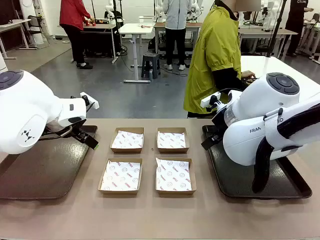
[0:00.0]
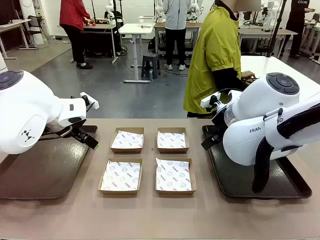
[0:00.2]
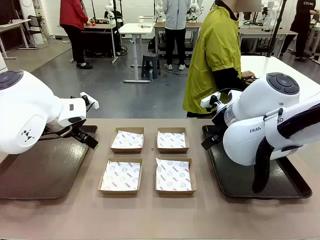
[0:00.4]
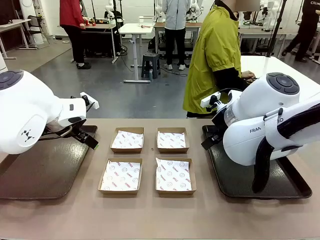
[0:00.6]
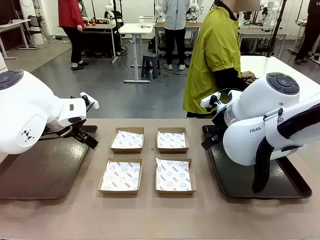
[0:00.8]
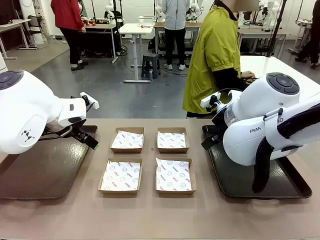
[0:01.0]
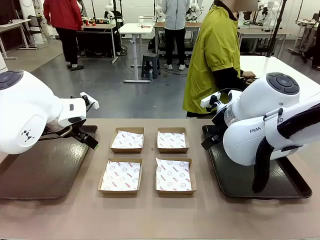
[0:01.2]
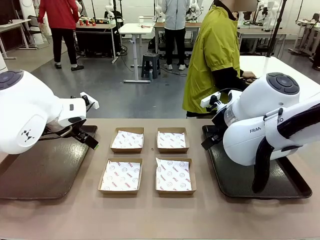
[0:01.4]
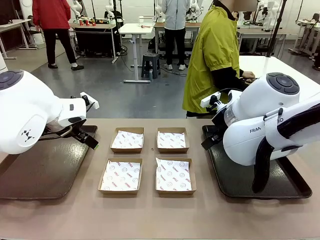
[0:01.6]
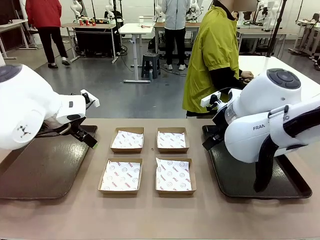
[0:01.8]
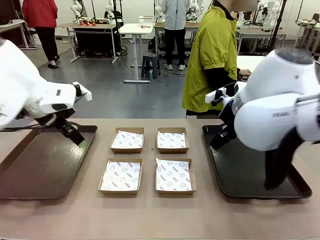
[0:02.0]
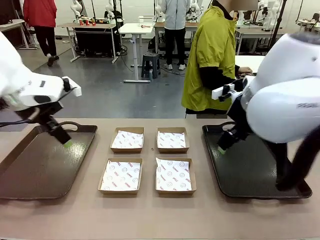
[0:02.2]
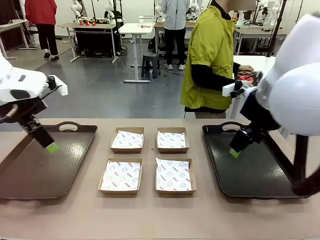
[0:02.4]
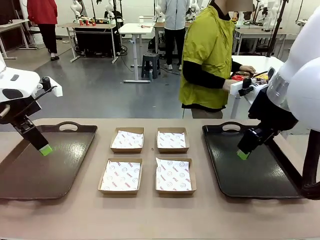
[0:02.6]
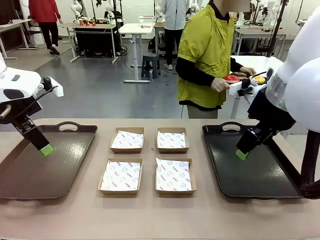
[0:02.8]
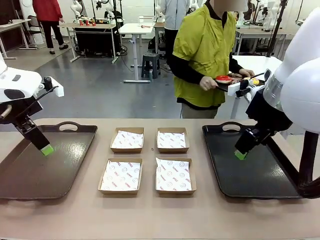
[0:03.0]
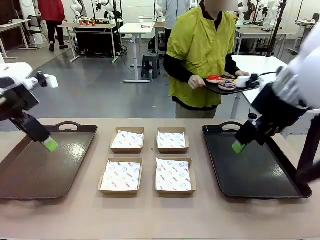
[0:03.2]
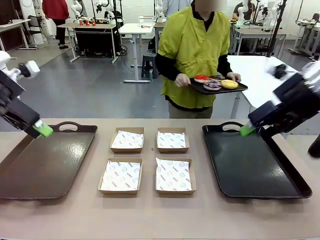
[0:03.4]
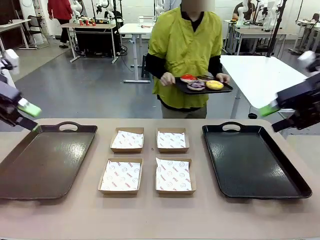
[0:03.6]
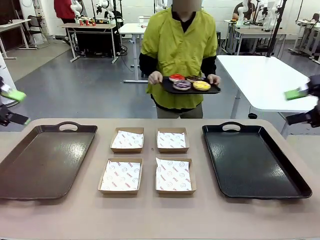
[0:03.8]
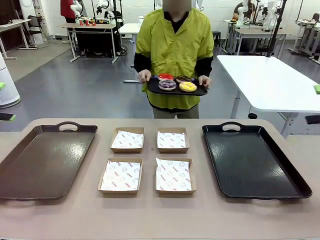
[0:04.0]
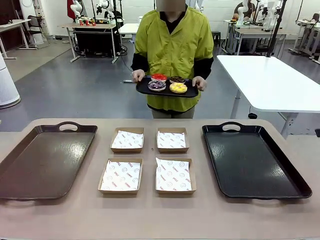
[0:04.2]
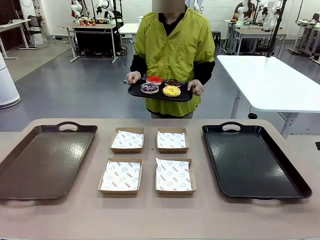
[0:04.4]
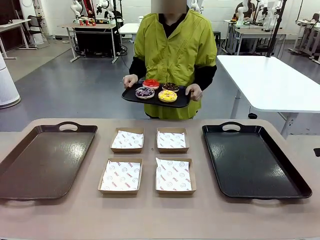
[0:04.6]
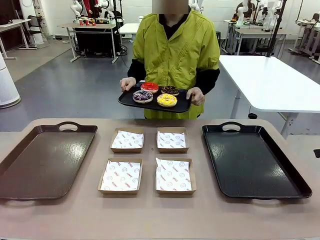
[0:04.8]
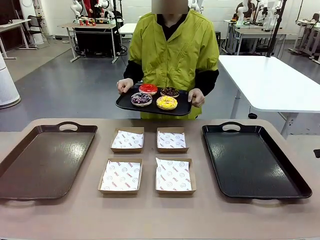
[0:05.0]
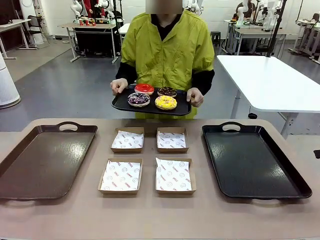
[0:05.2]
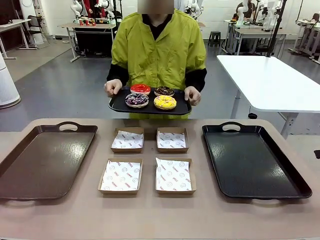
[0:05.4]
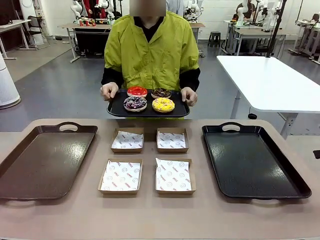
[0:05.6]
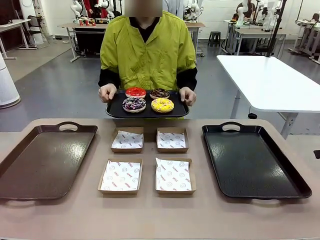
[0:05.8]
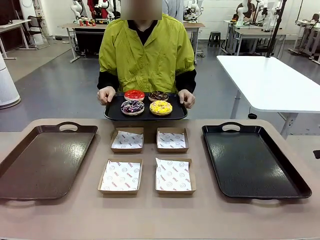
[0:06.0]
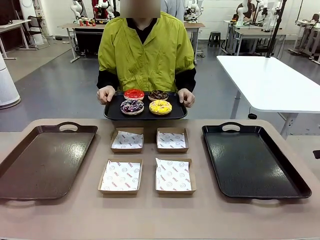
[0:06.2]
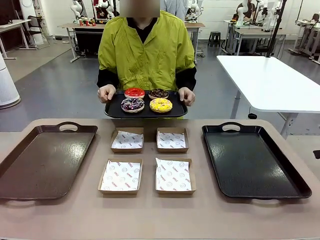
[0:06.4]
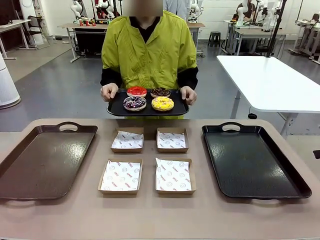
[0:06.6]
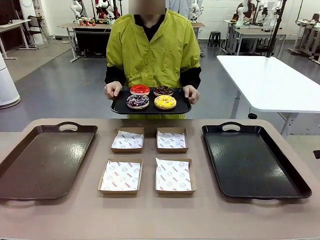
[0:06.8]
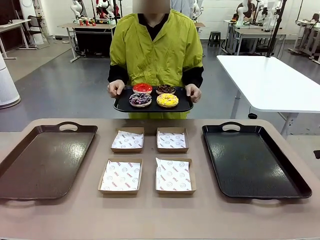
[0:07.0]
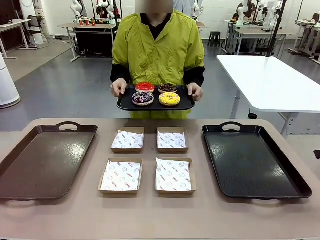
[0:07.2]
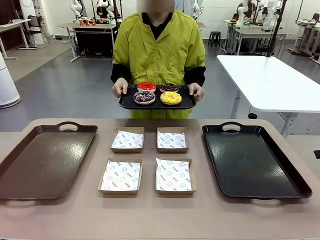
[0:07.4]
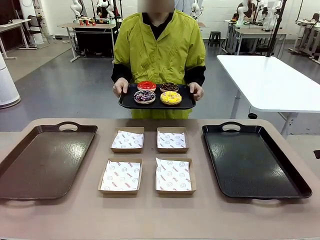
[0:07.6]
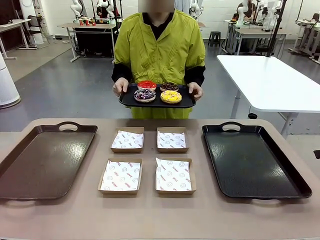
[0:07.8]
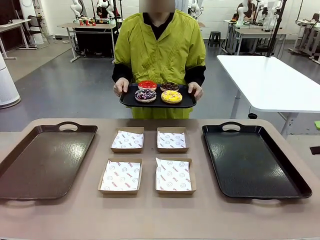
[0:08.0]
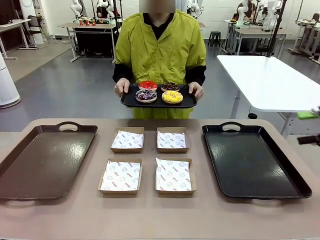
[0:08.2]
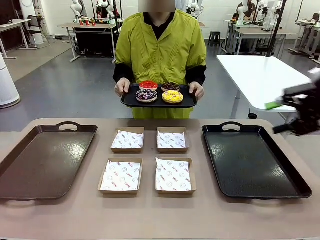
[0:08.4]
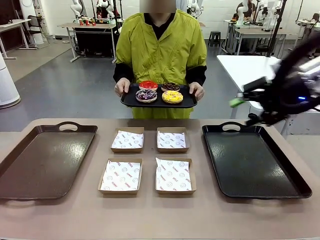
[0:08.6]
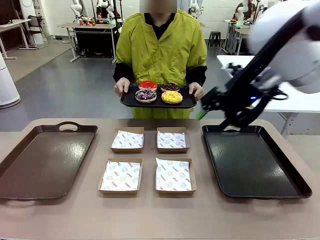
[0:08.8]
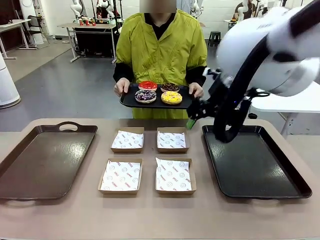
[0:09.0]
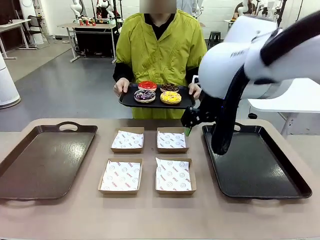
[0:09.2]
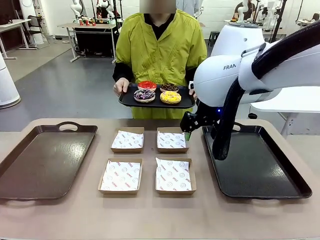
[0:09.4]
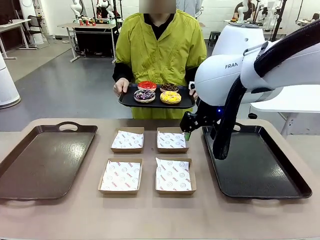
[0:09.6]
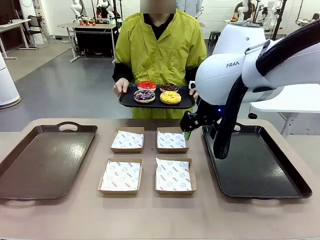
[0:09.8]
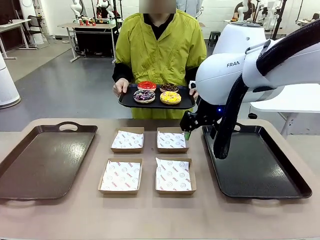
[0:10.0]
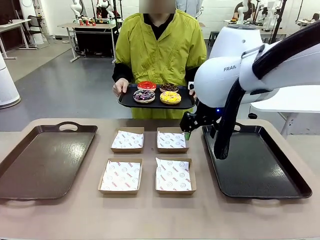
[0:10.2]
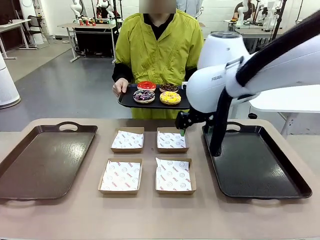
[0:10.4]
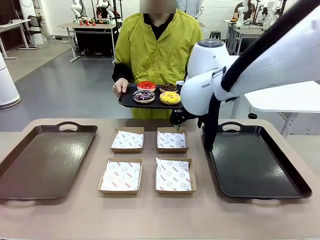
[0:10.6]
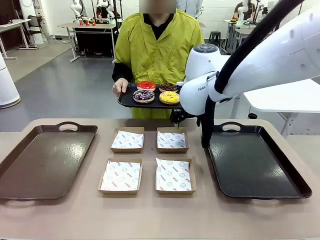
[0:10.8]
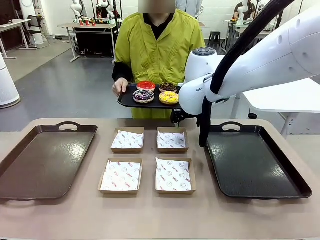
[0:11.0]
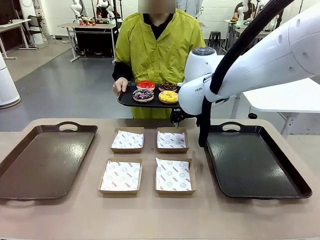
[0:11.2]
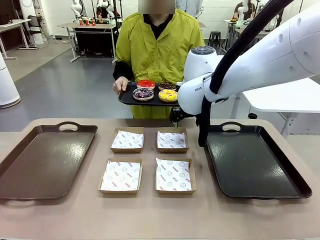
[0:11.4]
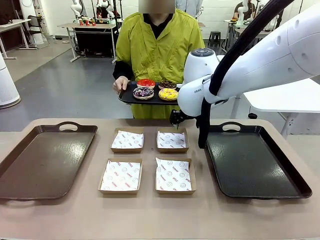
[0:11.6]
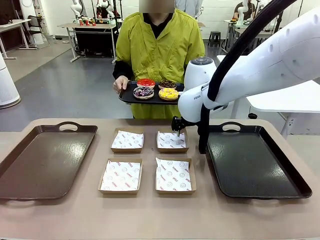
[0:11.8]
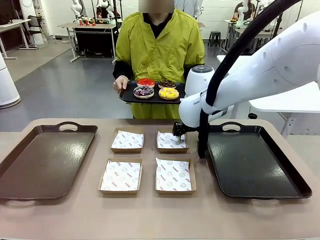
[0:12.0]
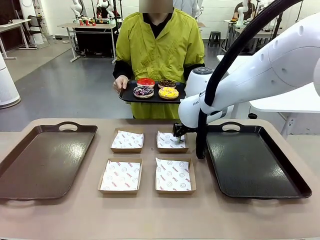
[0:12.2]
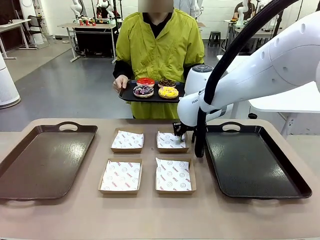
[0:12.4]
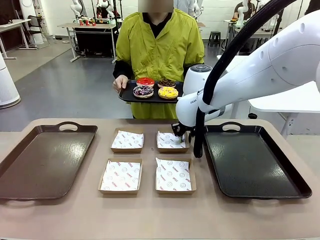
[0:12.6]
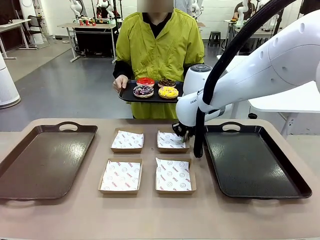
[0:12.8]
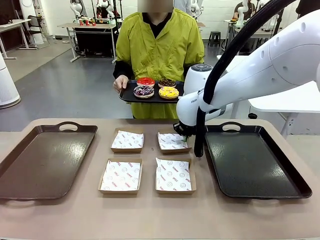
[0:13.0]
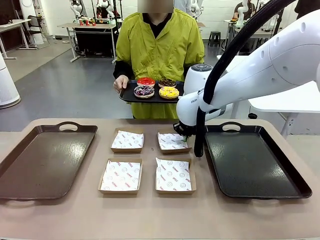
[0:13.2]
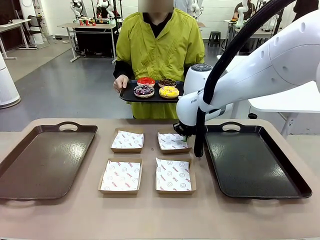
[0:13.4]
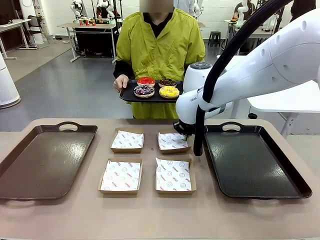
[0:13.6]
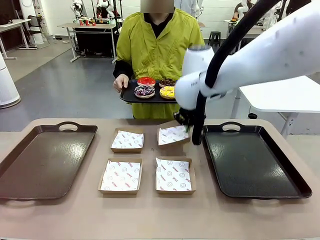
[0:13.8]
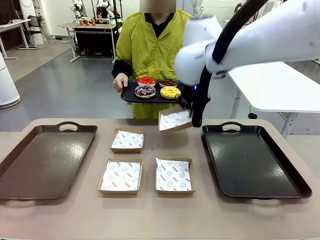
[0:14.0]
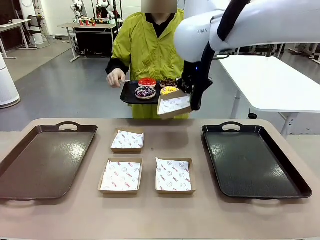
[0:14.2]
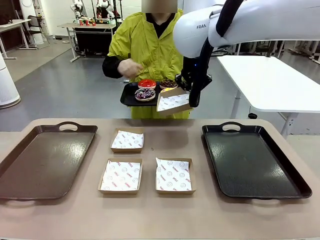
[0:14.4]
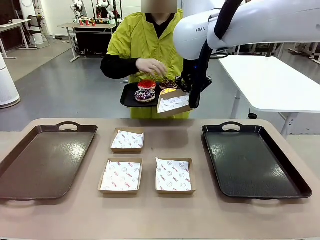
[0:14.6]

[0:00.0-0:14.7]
Task: Individually package the donuts and arrange them on the tray.
Robot: Pick up one Paper togo box.
Person: Stand in front of the robot table holding the tray containing the donuts.
